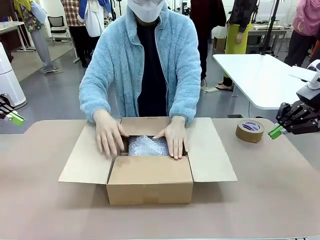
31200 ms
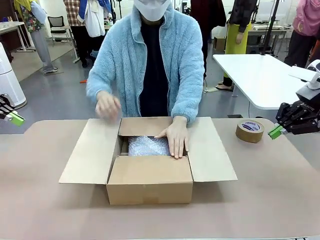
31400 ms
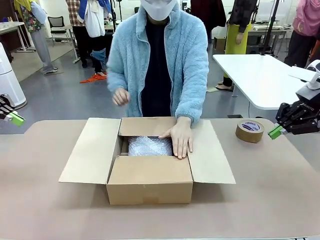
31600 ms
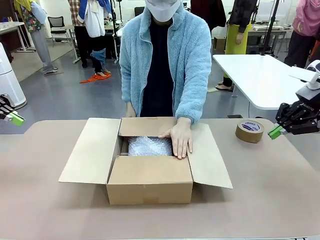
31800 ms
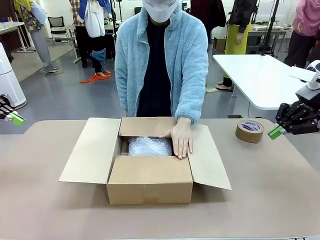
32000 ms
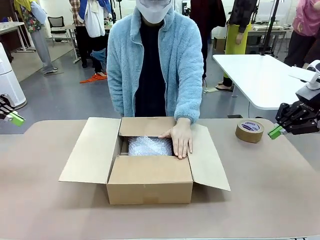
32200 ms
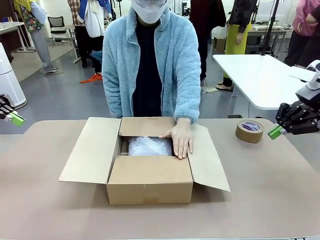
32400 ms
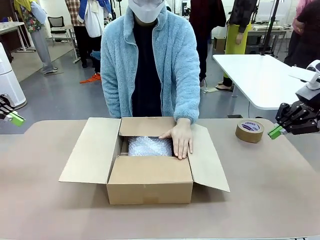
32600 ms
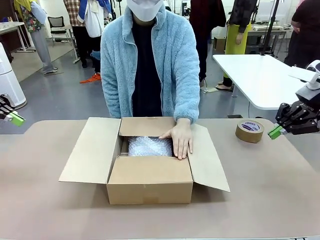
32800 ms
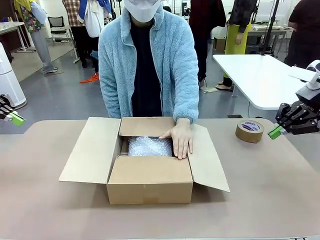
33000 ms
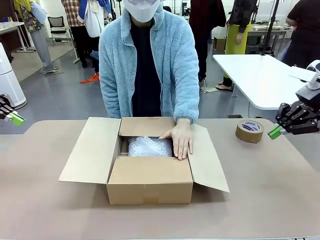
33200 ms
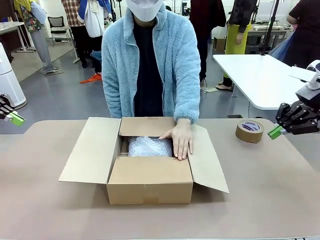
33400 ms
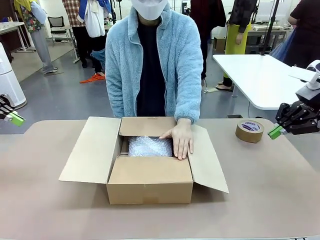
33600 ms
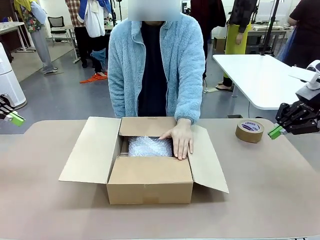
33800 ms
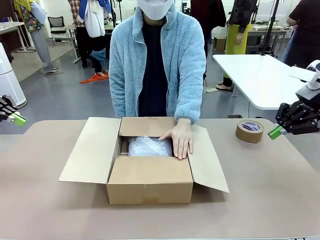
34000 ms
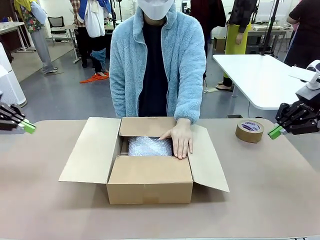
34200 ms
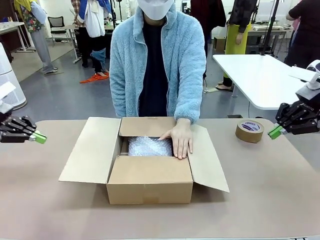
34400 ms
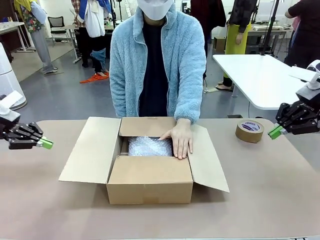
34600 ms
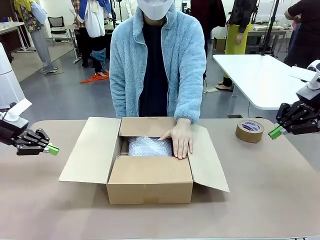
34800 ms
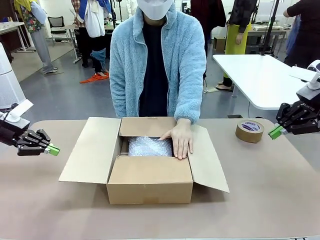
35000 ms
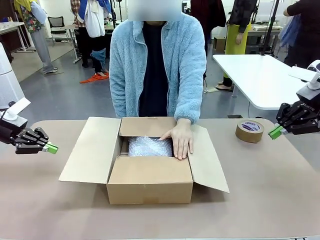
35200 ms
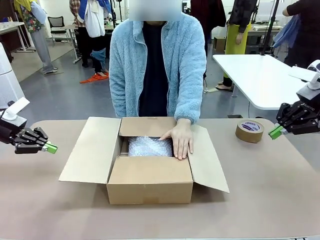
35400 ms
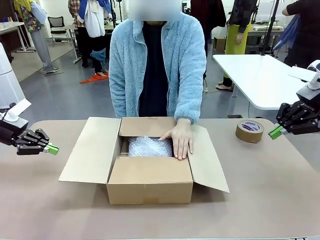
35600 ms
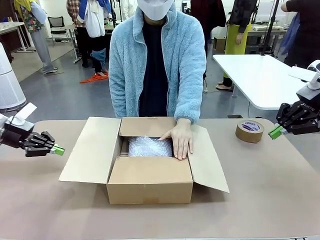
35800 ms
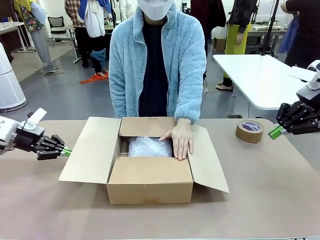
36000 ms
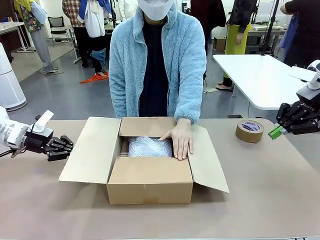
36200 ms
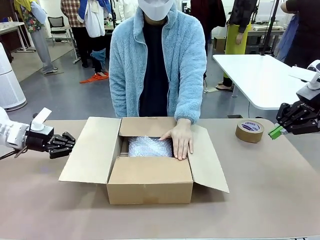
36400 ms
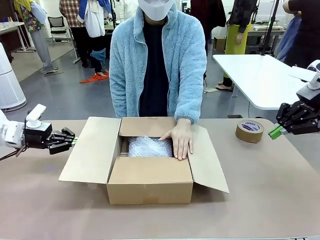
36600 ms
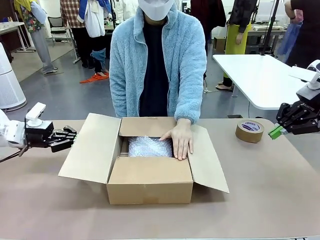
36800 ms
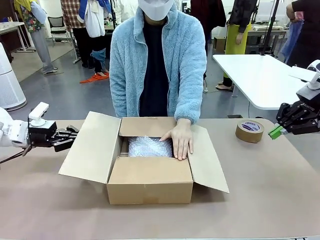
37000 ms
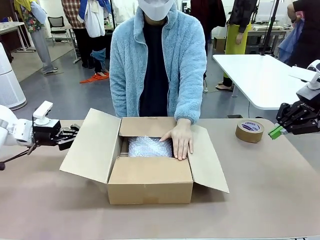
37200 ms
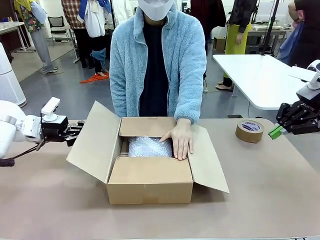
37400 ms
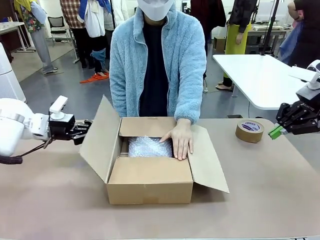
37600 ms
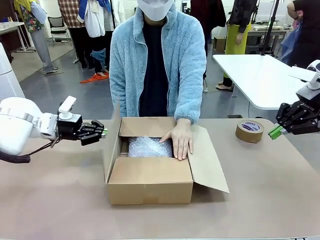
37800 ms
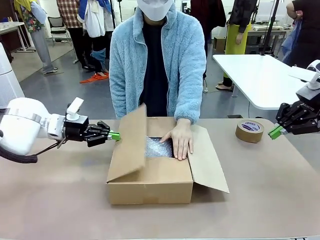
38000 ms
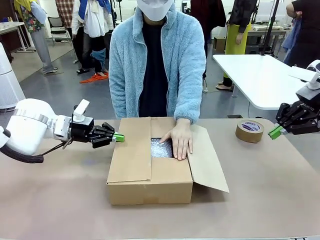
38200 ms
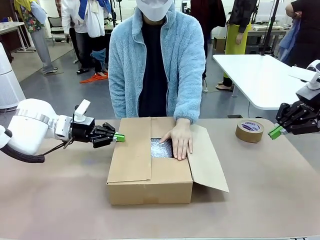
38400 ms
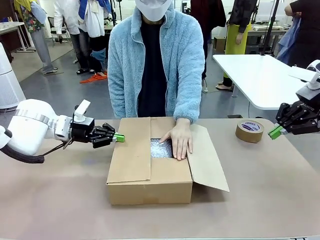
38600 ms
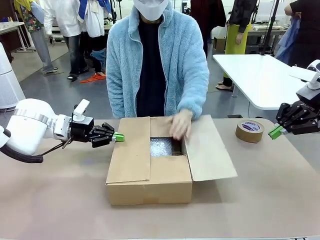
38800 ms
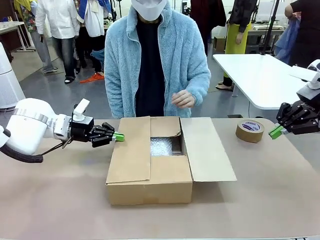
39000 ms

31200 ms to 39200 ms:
Task: Wrap the clocks to prevent damage.
Robot: Push the right (or left) flap of the Package Box to close it.
Person: Once the robot closes the right flap of the Package Box , release your left hand from the box.

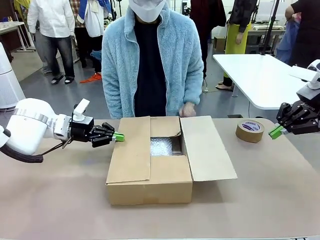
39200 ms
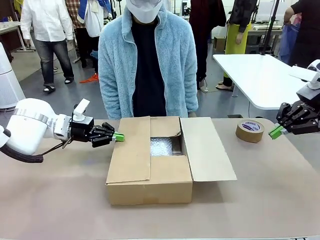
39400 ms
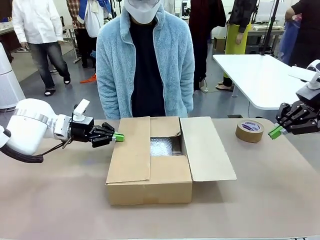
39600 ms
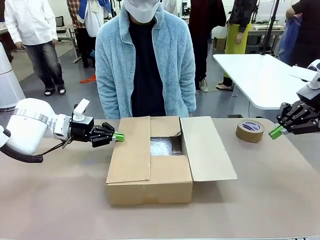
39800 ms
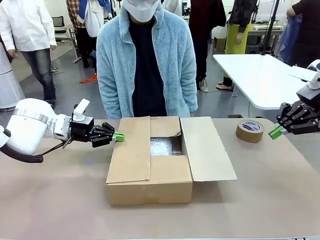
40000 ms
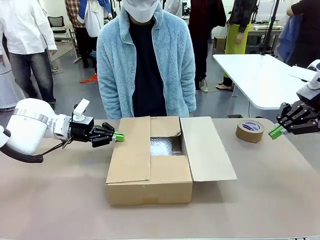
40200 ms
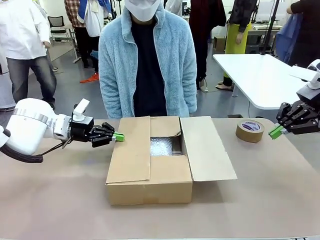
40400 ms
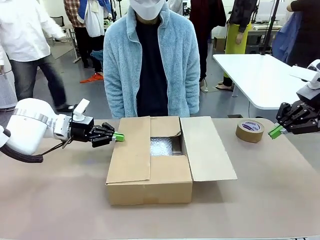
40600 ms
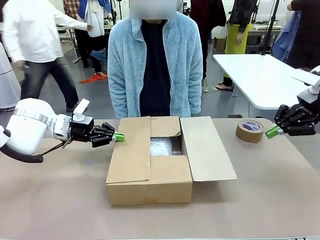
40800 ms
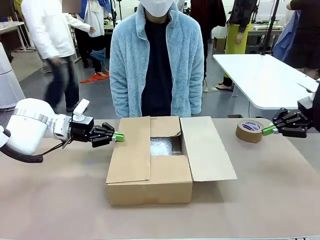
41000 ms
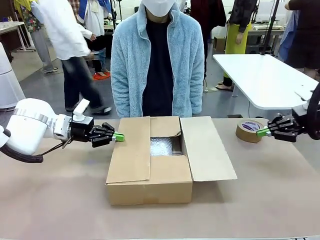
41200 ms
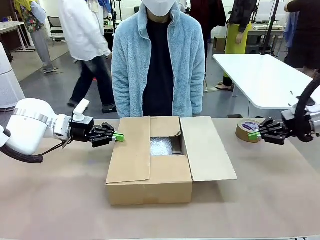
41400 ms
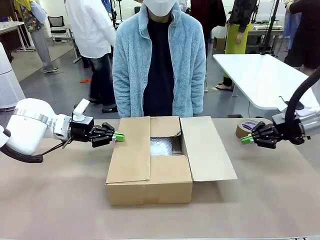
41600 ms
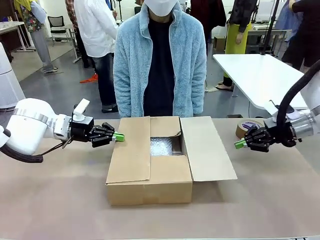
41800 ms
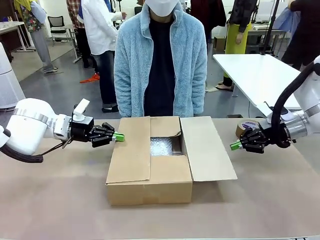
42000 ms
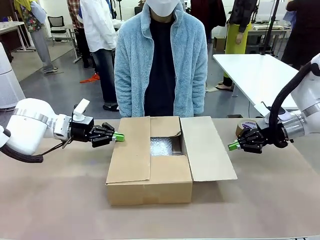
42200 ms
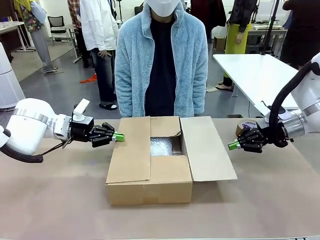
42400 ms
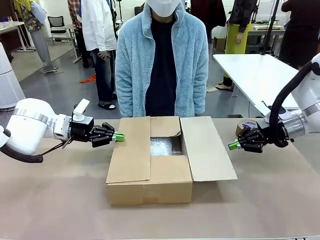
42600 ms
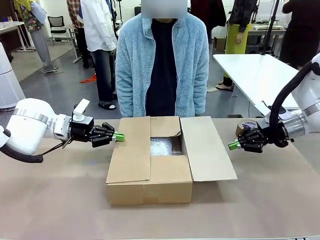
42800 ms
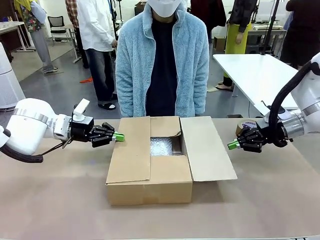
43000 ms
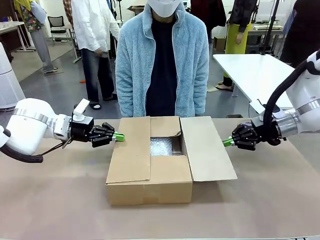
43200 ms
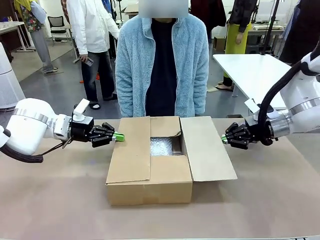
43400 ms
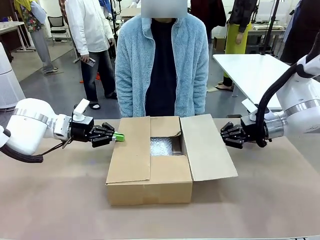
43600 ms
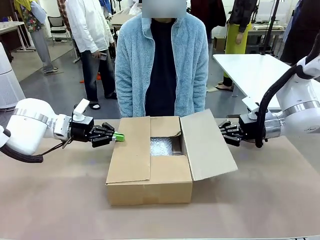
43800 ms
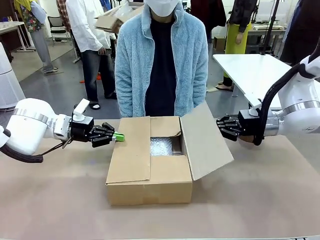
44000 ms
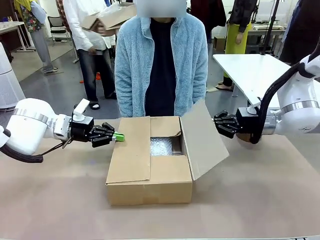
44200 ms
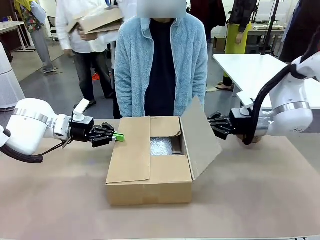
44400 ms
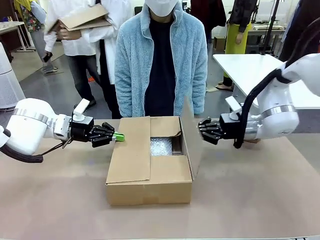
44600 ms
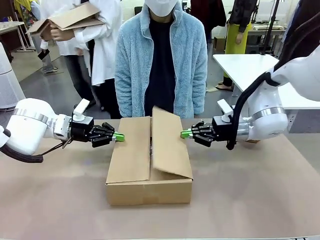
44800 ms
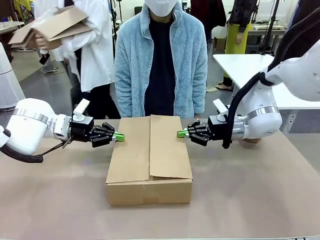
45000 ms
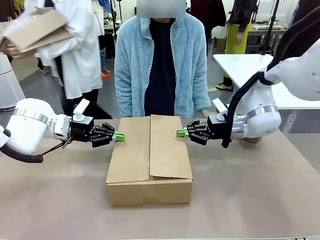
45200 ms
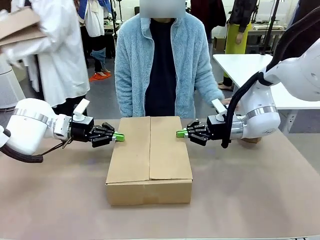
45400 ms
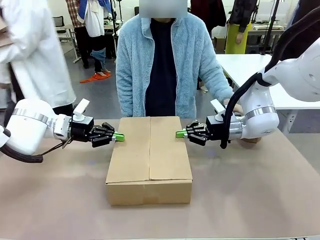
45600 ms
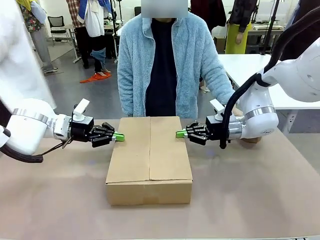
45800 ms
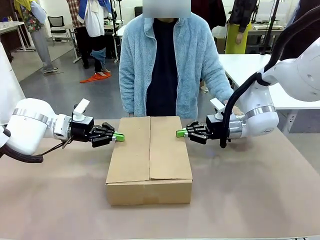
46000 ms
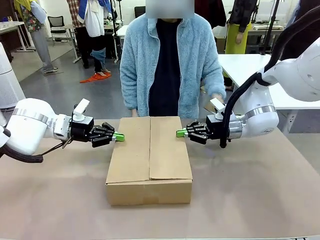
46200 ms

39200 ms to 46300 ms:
Robot: Push the left (or right) flap of the Package Box to close it.

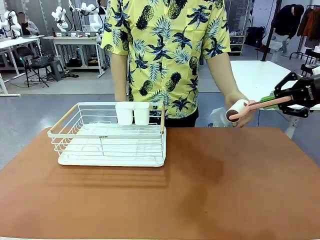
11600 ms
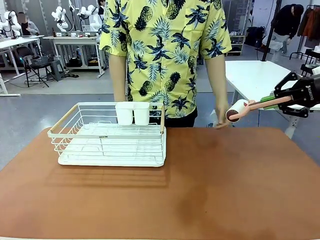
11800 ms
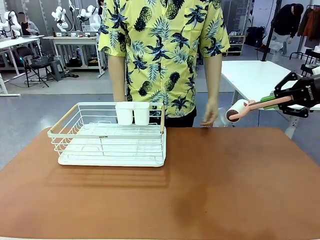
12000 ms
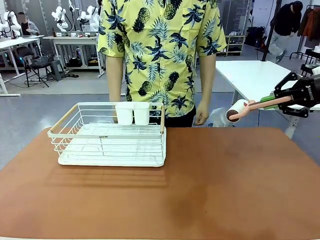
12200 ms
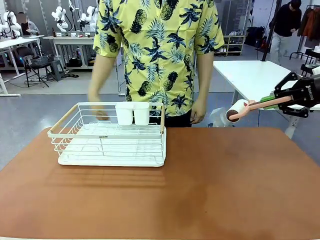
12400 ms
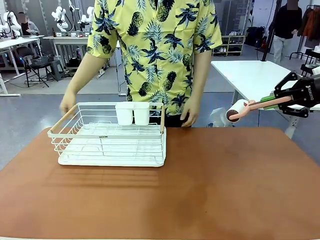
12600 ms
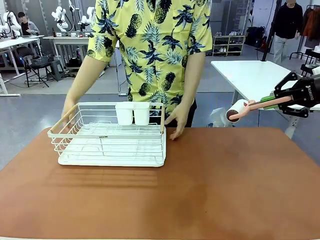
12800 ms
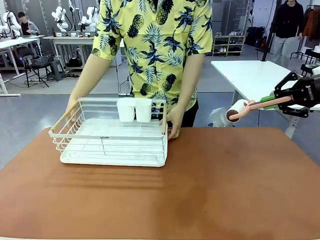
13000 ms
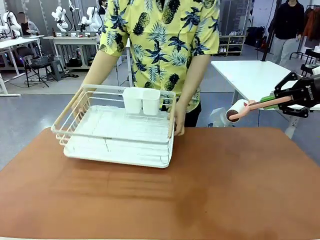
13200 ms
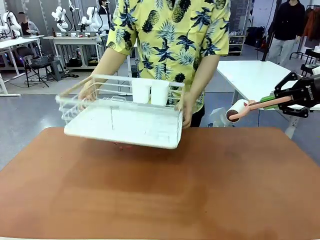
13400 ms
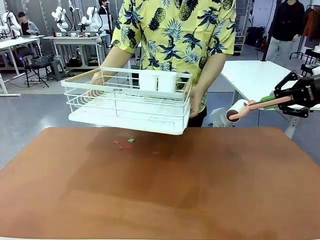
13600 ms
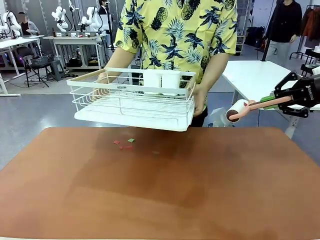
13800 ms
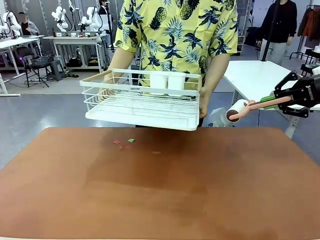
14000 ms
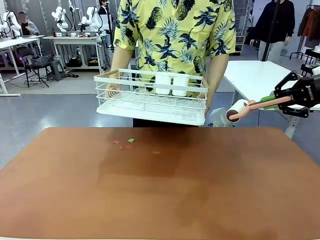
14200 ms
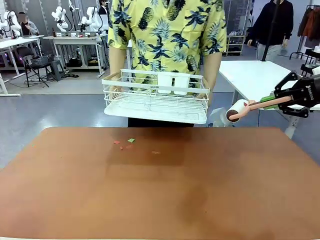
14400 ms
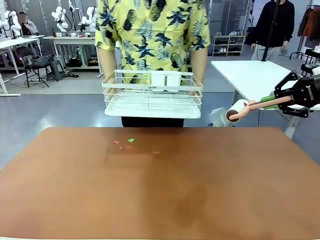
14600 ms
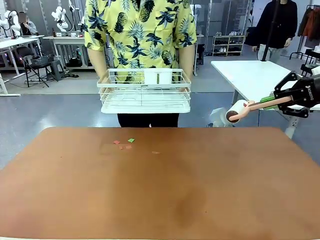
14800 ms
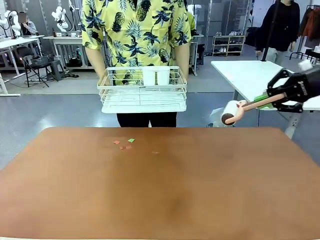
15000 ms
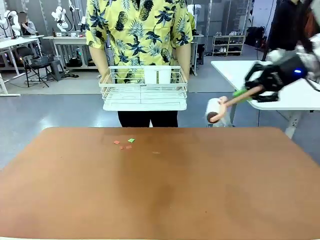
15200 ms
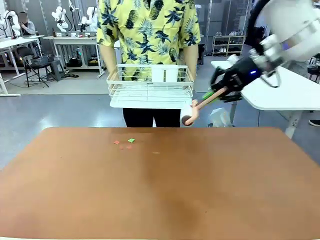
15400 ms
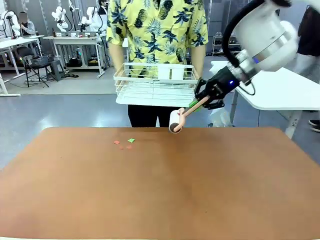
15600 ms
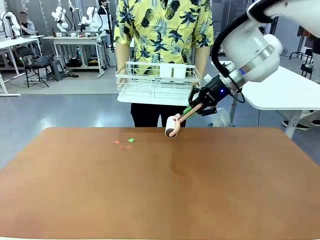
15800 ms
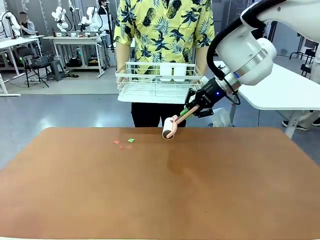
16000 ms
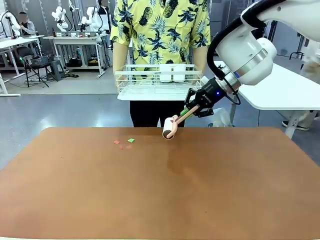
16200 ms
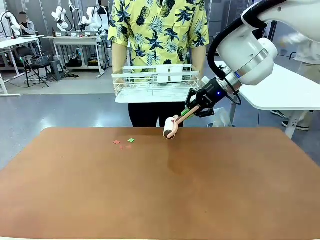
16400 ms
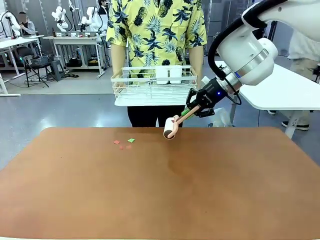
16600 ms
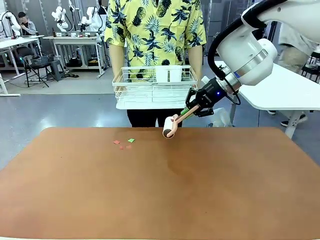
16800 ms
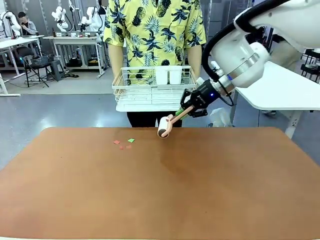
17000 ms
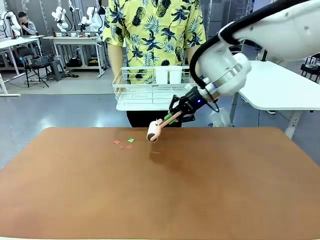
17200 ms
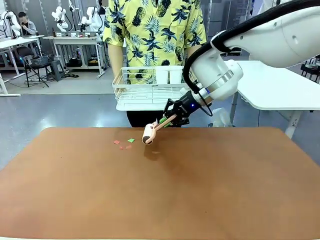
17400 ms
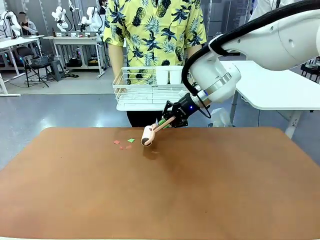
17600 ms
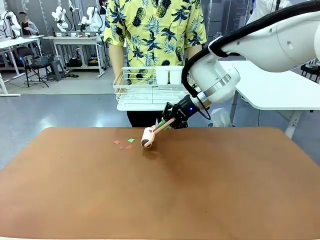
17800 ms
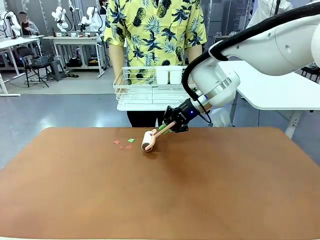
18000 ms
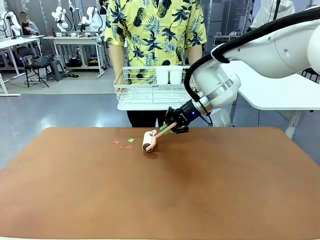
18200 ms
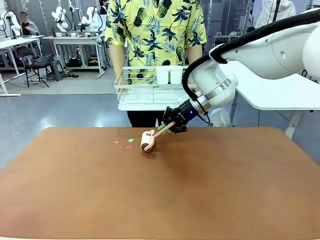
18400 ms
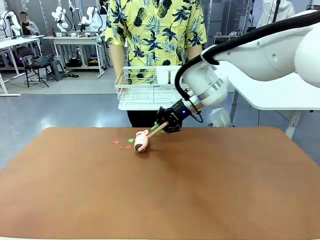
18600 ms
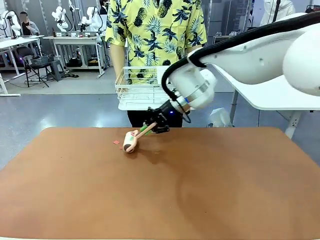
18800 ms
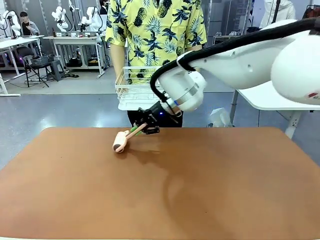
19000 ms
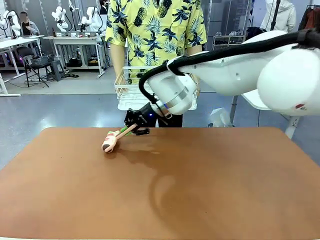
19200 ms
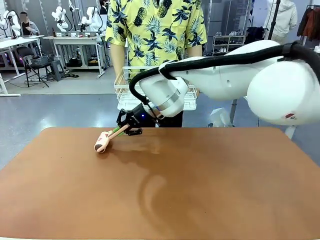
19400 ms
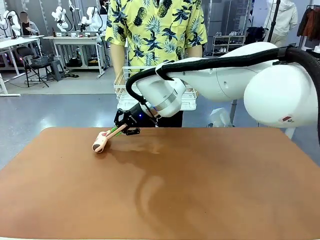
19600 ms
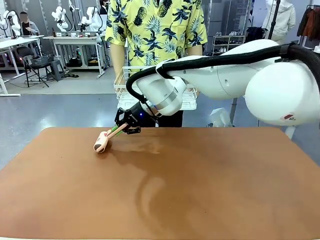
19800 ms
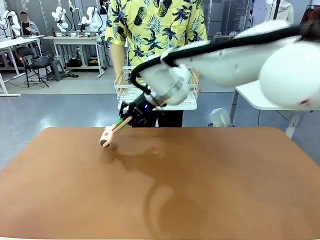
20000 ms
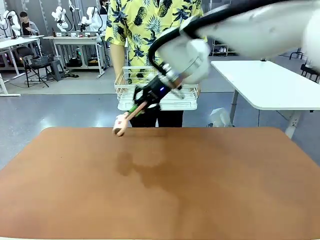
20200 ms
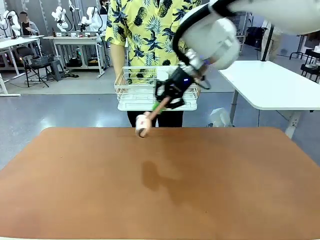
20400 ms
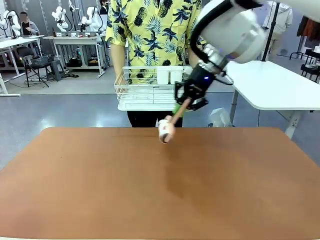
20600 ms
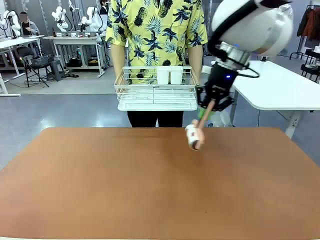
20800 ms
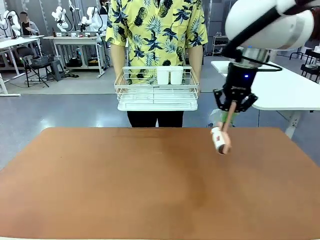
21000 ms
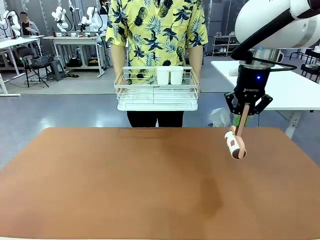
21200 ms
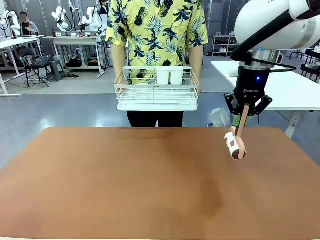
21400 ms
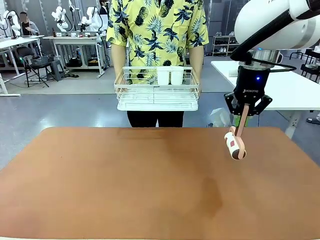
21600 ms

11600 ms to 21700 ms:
Task: Clean the table.
Robot: Clean the table with the Lint Roller when the human lifts the Dish drying rack.
